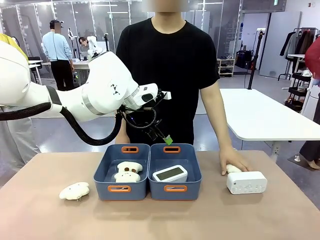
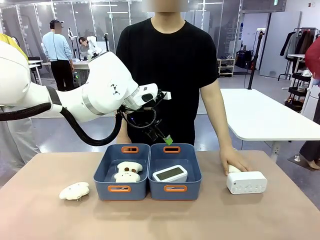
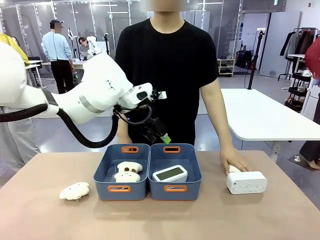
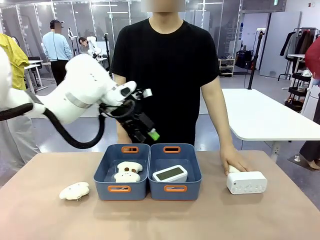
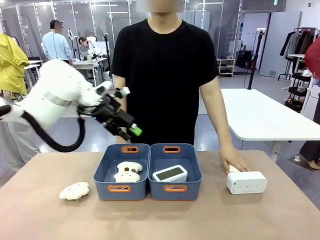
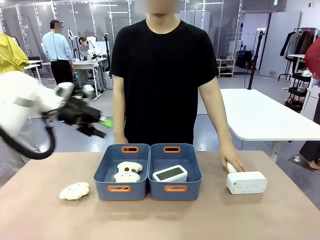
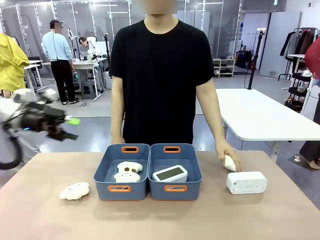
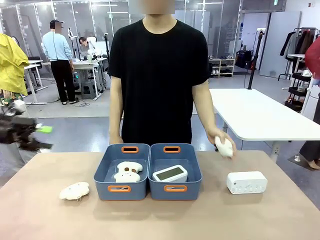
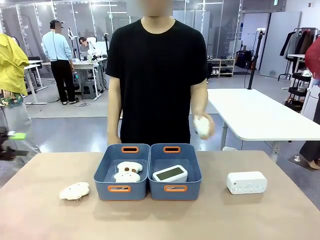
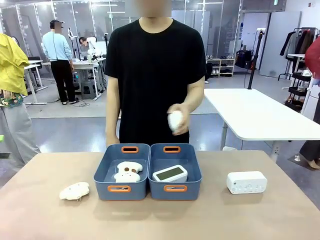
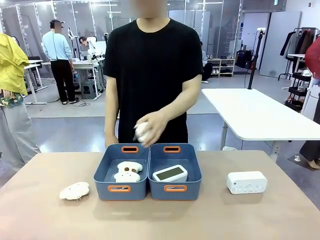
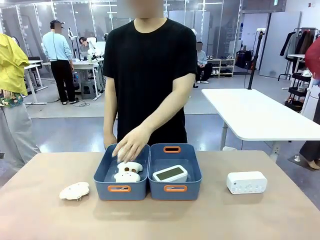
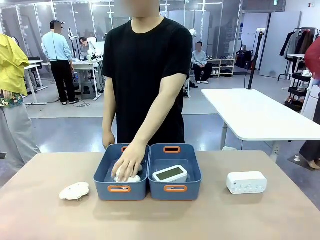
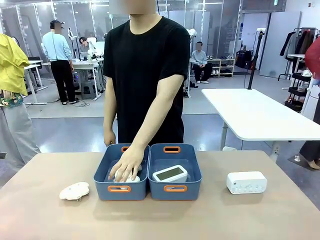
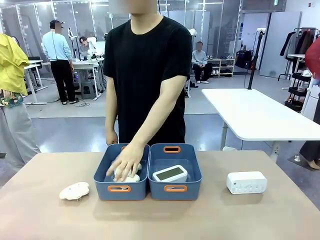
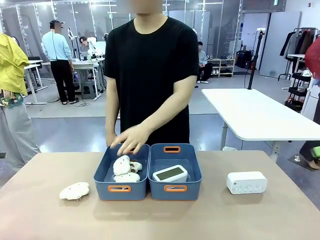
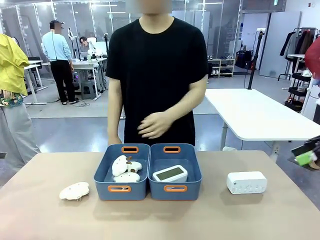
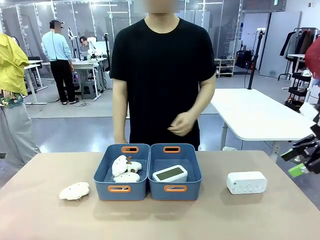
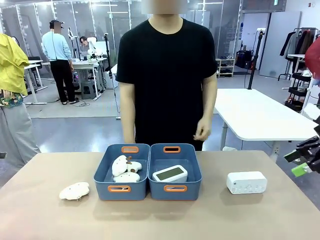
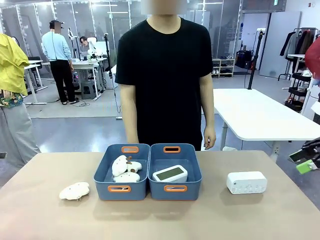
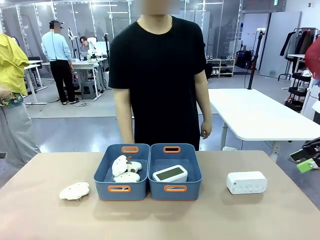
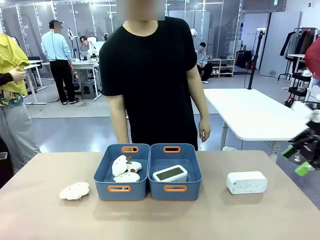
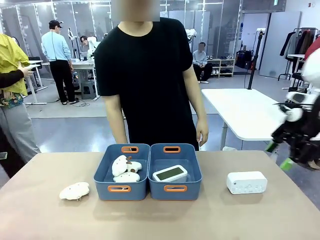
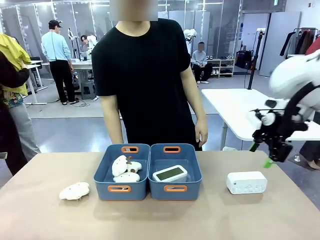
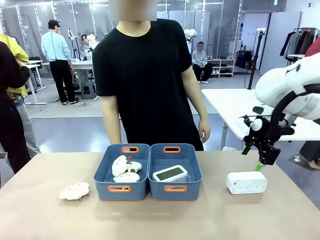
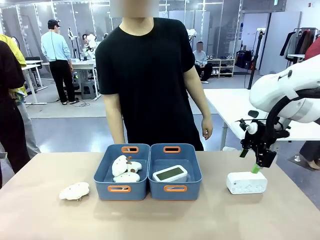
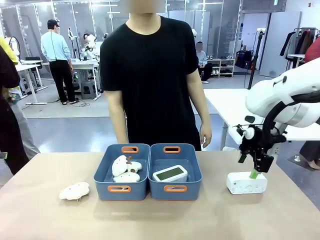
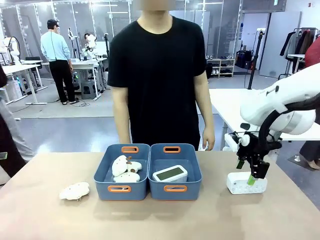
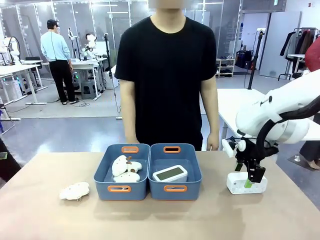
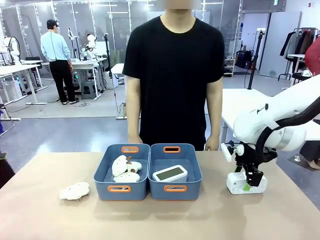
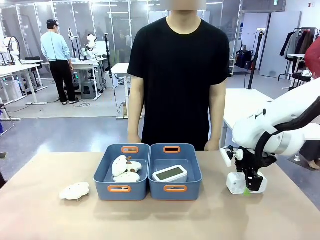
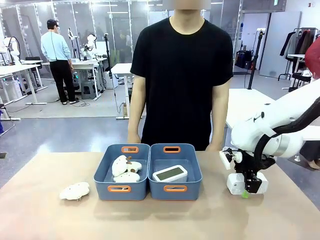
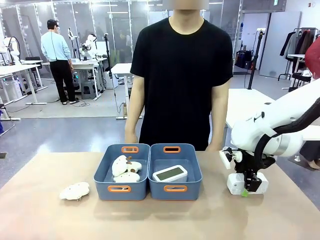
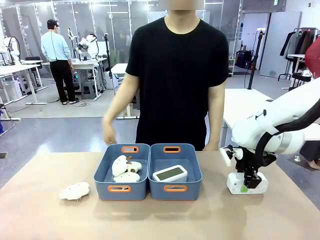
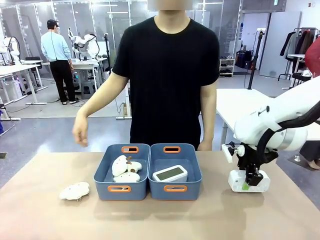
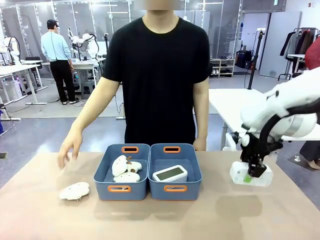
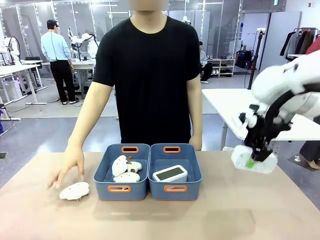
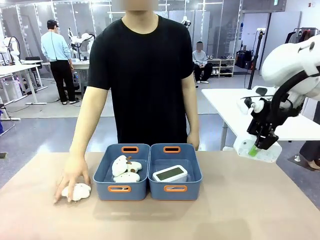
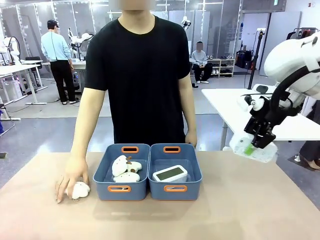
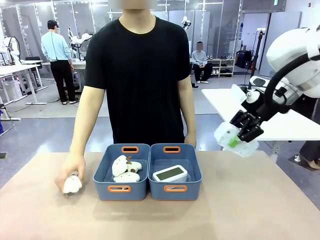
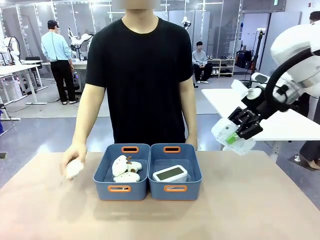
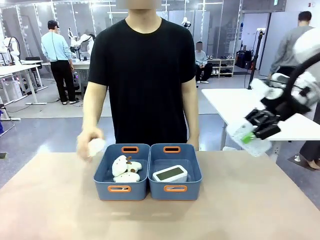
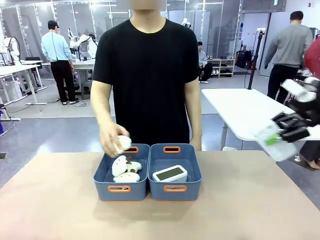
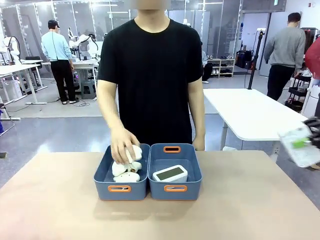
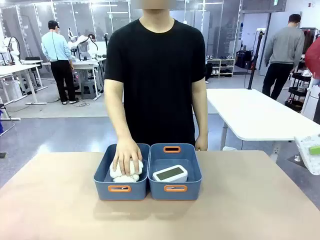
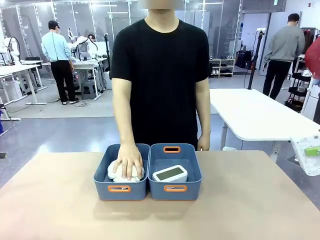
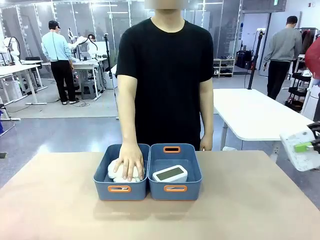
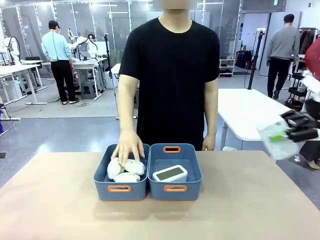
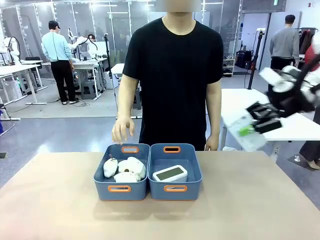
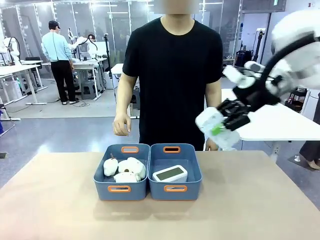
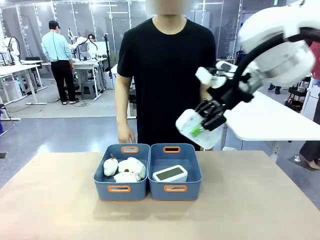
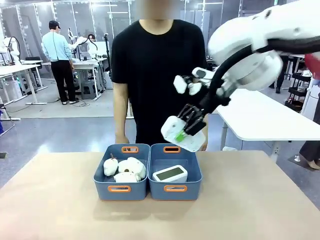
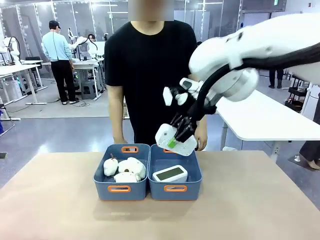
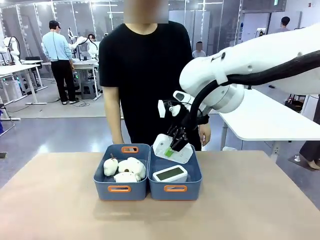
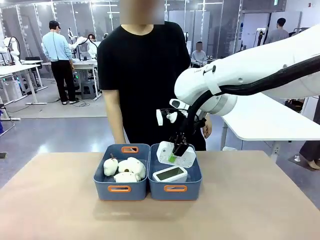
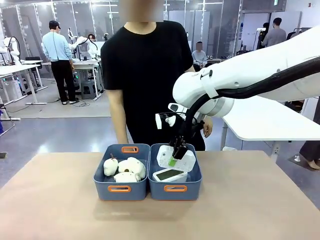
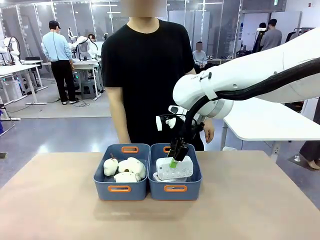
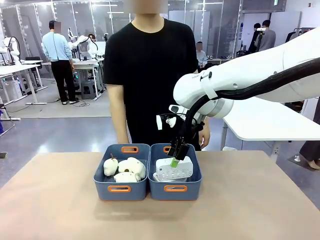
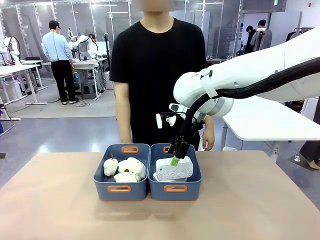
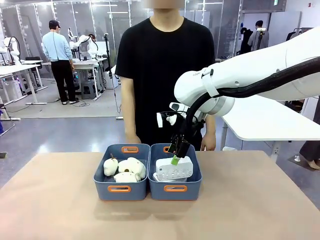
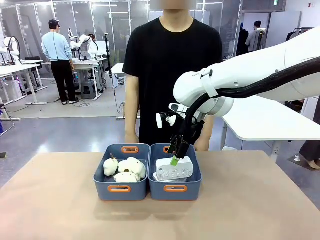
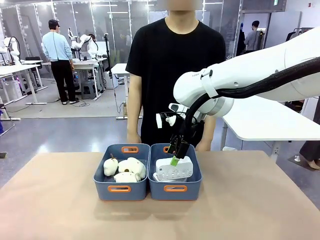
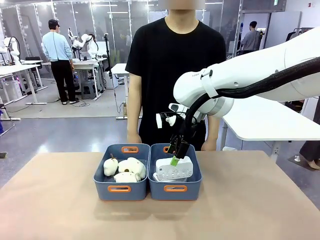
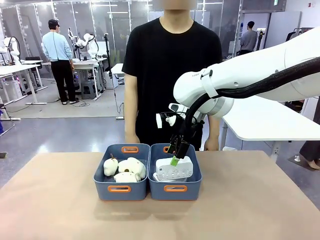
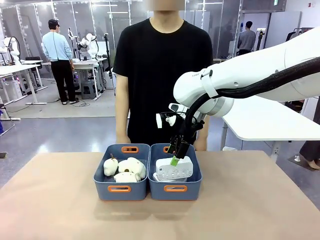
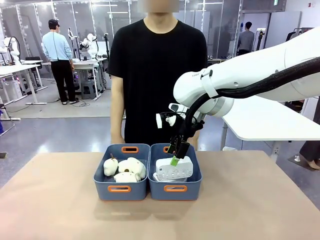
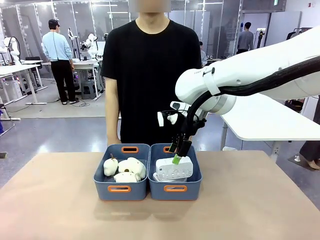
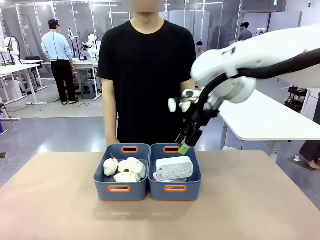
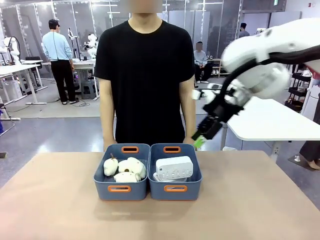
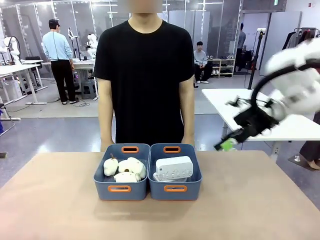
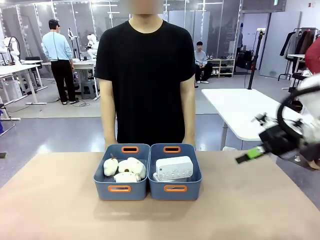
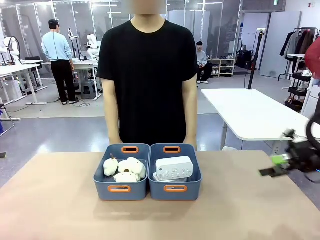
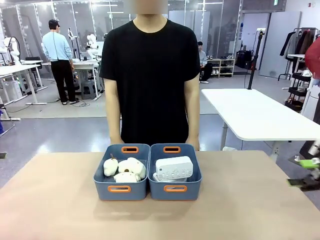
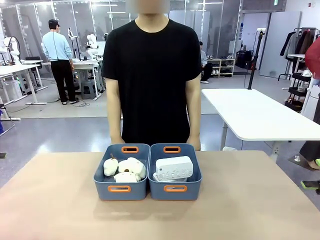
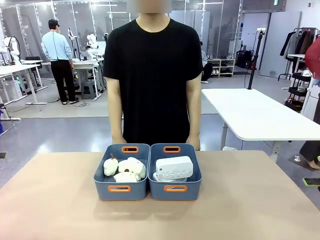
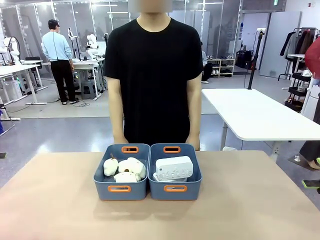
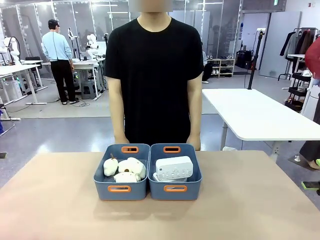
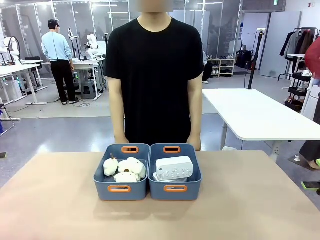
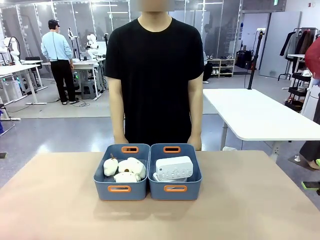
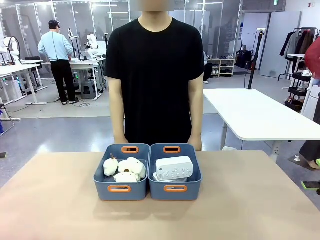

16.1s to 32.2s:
Task: Sort the digital clocks into the basket.
Robot: Pick up the Digital clock from the table and place it into the empty Plastic storage basket.
Person: Pick up a plush toy from the table and place it in the plastic storage basket containing the plush toy.
